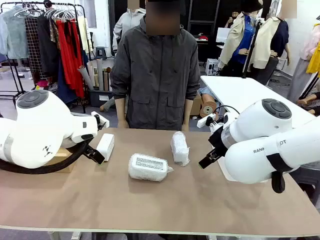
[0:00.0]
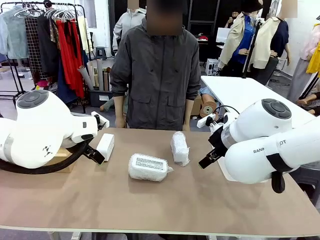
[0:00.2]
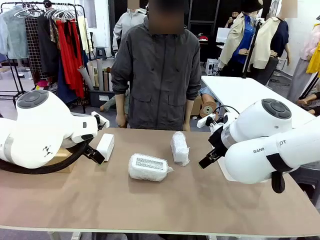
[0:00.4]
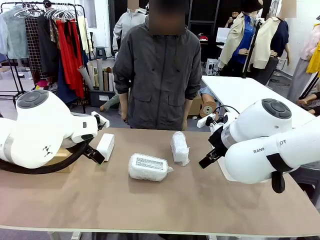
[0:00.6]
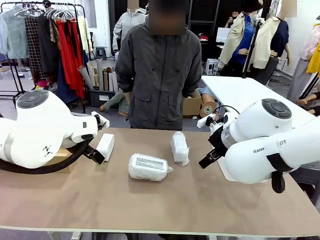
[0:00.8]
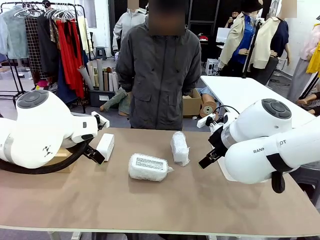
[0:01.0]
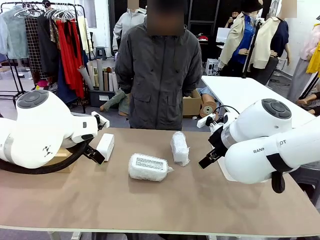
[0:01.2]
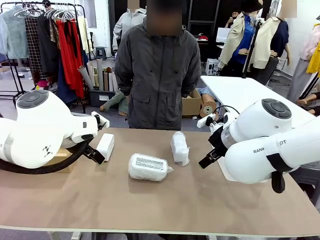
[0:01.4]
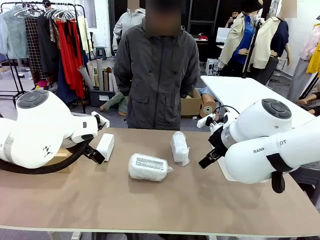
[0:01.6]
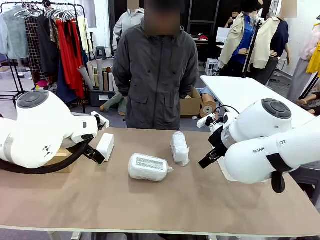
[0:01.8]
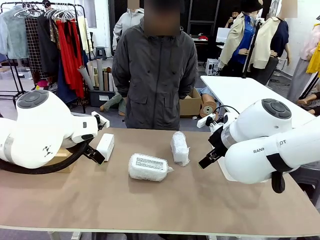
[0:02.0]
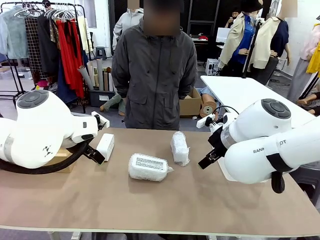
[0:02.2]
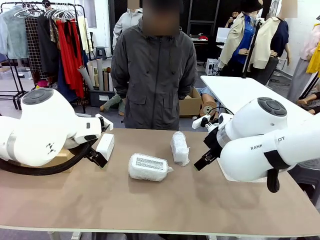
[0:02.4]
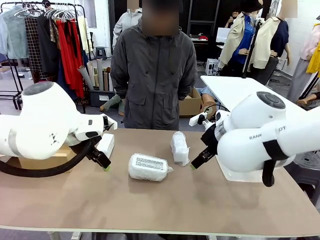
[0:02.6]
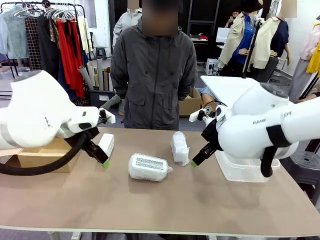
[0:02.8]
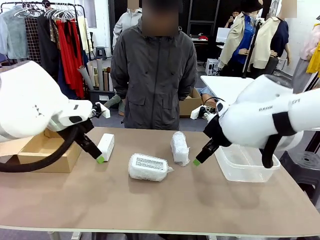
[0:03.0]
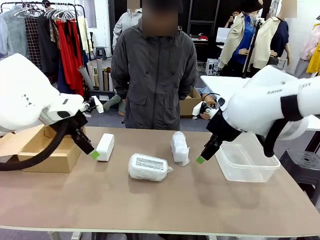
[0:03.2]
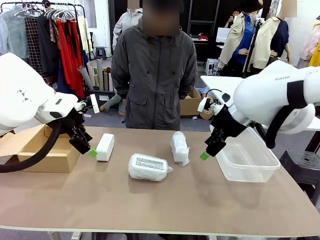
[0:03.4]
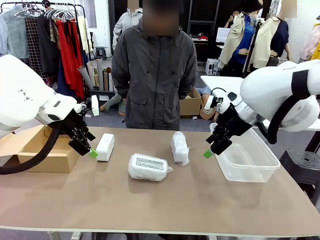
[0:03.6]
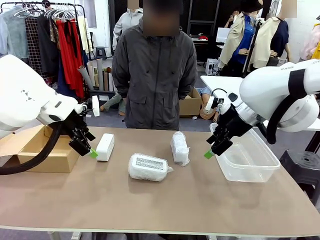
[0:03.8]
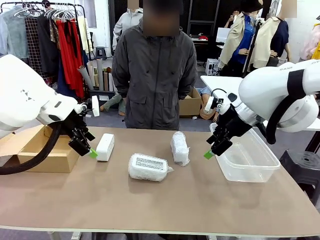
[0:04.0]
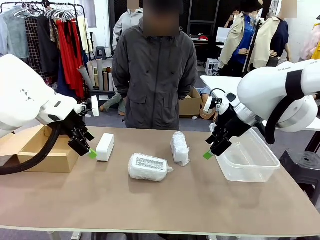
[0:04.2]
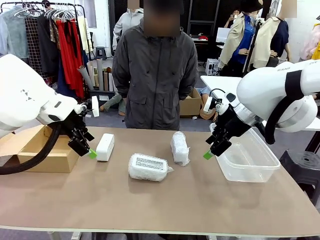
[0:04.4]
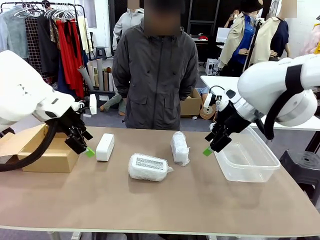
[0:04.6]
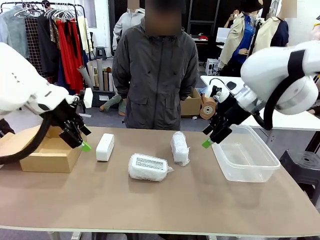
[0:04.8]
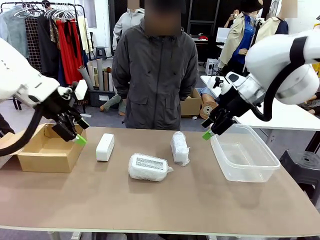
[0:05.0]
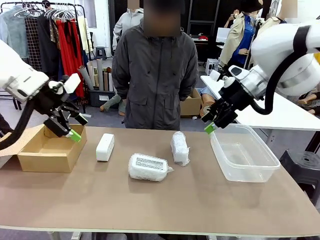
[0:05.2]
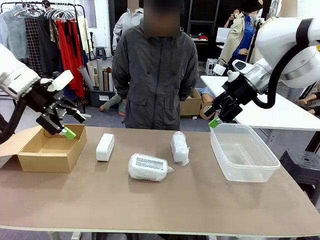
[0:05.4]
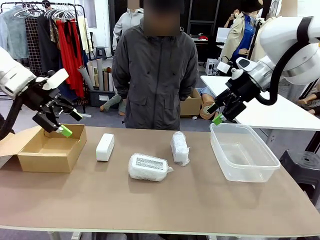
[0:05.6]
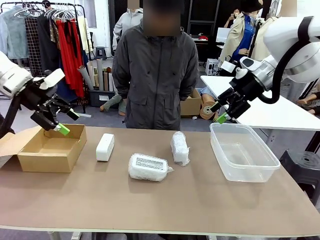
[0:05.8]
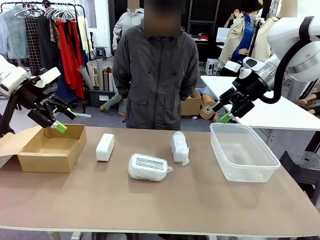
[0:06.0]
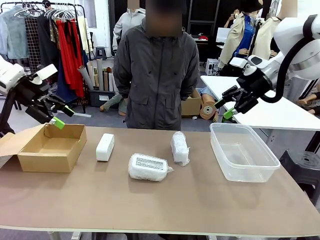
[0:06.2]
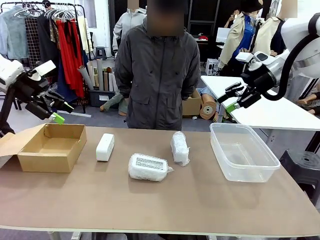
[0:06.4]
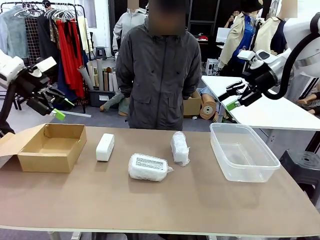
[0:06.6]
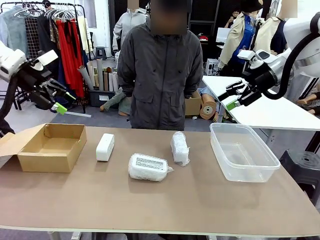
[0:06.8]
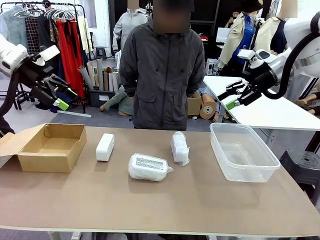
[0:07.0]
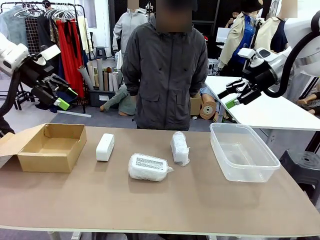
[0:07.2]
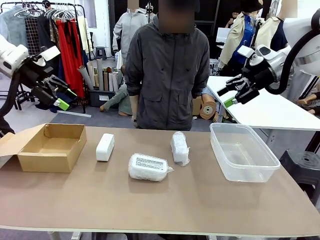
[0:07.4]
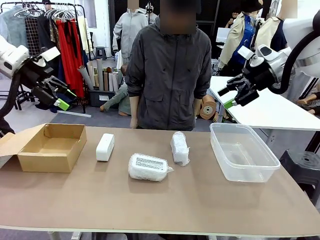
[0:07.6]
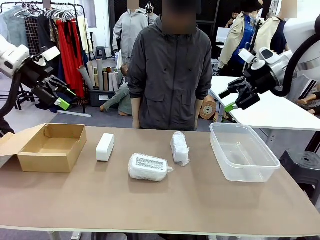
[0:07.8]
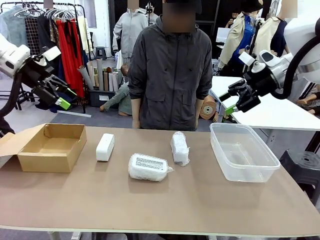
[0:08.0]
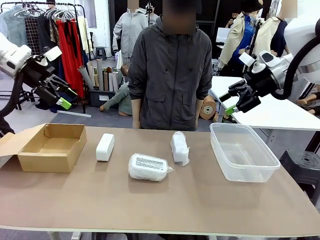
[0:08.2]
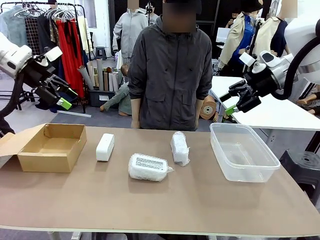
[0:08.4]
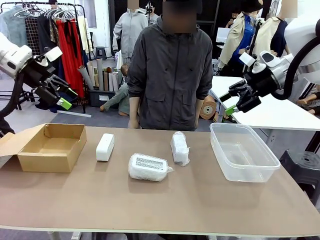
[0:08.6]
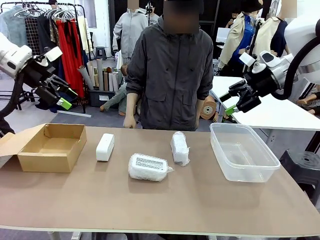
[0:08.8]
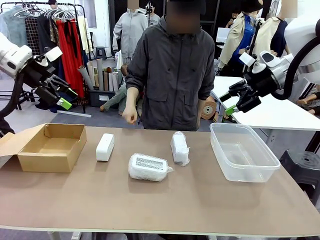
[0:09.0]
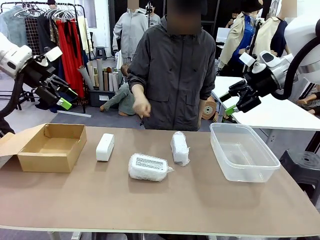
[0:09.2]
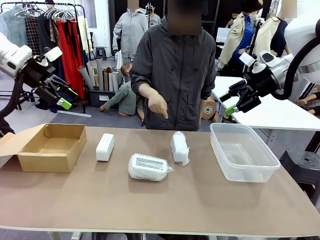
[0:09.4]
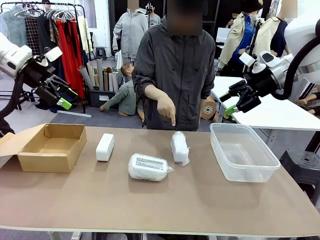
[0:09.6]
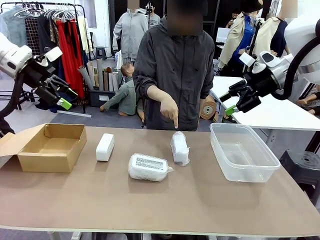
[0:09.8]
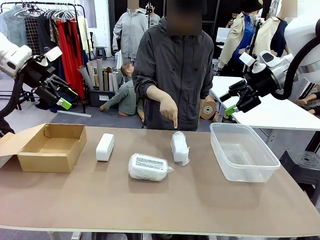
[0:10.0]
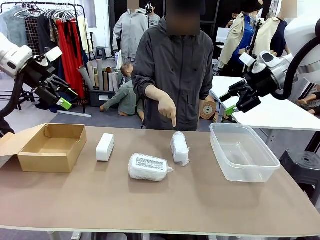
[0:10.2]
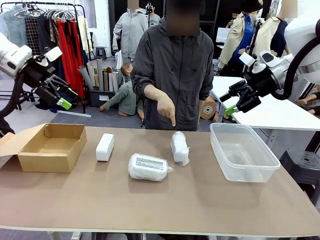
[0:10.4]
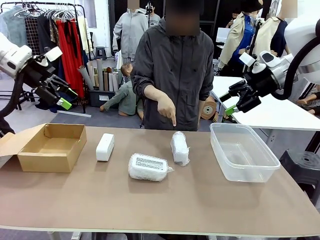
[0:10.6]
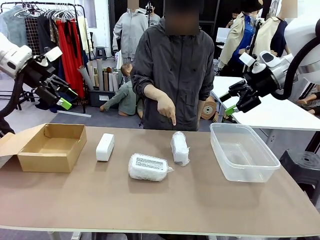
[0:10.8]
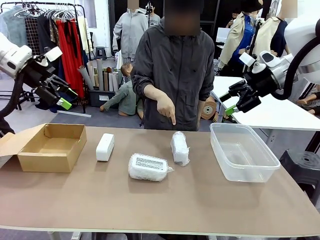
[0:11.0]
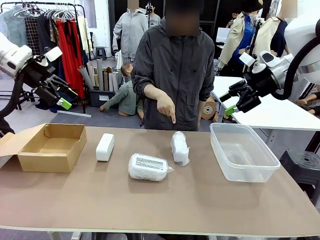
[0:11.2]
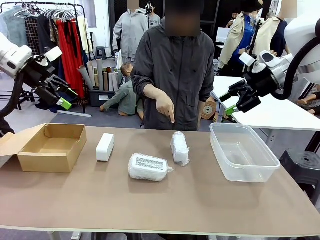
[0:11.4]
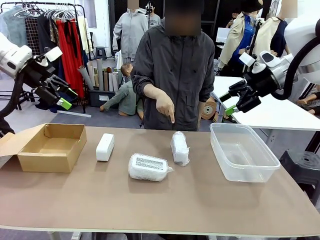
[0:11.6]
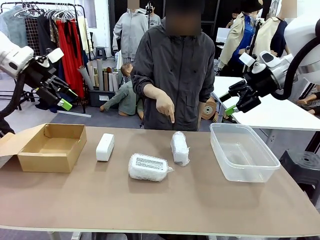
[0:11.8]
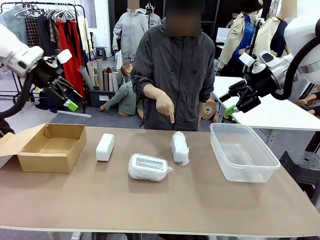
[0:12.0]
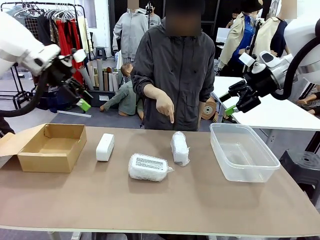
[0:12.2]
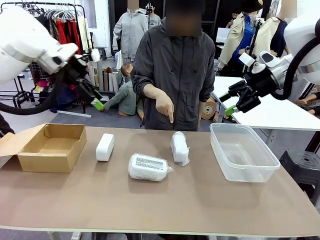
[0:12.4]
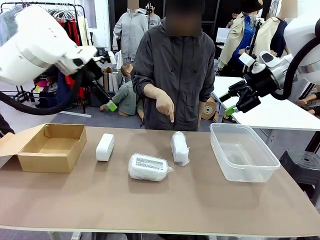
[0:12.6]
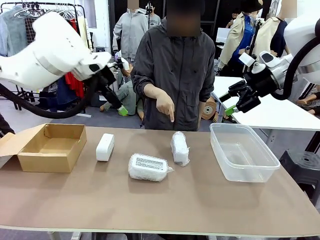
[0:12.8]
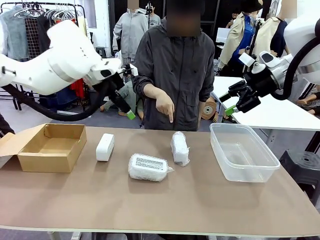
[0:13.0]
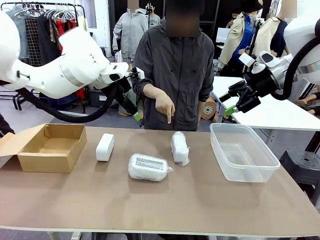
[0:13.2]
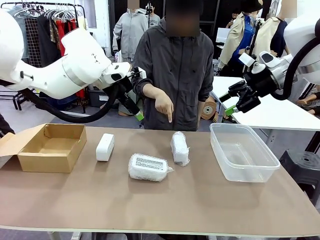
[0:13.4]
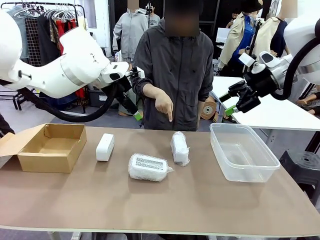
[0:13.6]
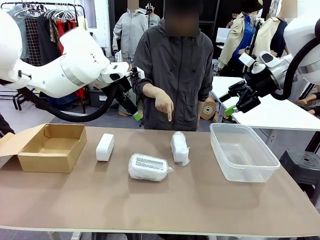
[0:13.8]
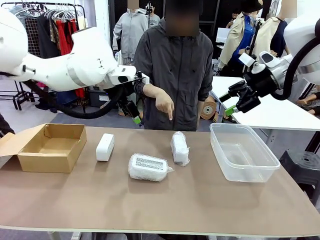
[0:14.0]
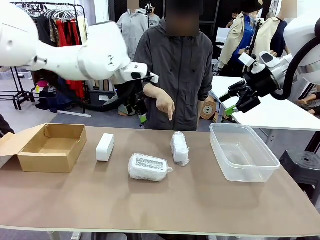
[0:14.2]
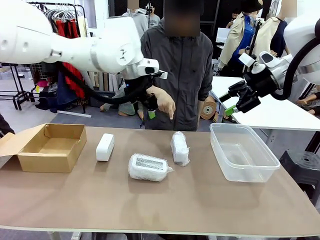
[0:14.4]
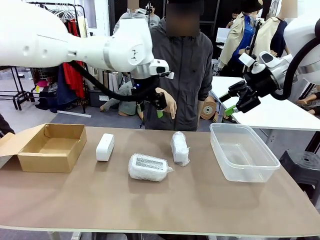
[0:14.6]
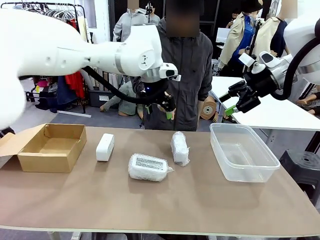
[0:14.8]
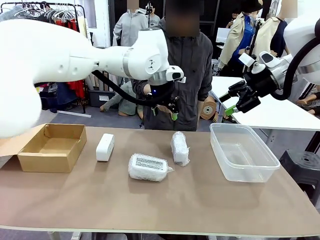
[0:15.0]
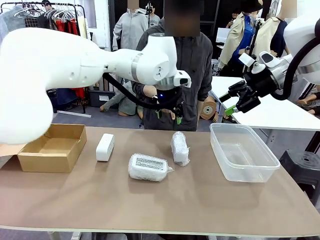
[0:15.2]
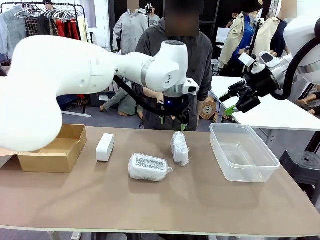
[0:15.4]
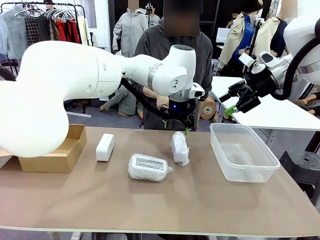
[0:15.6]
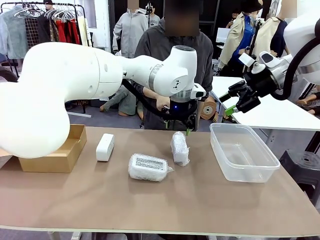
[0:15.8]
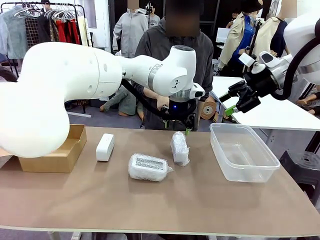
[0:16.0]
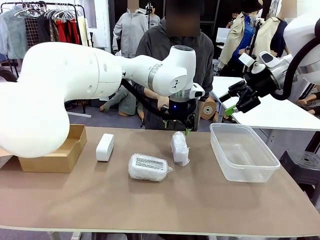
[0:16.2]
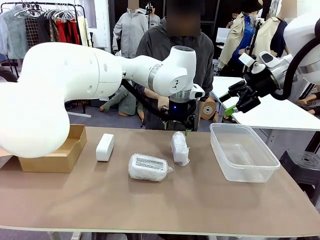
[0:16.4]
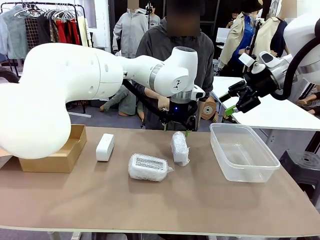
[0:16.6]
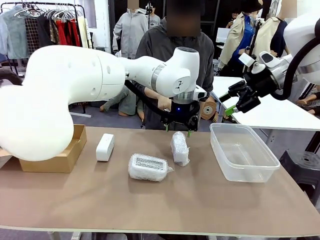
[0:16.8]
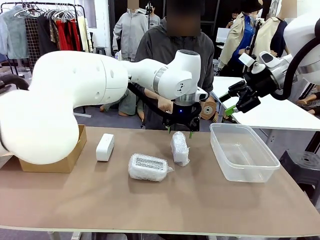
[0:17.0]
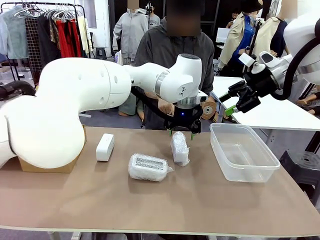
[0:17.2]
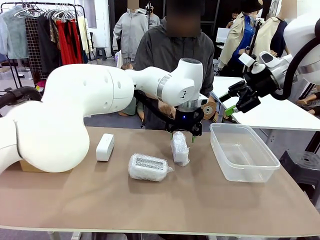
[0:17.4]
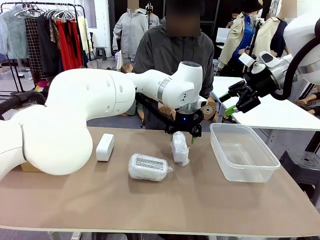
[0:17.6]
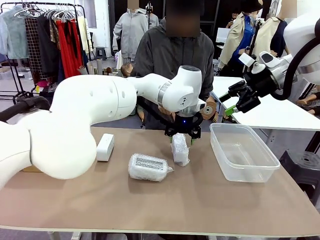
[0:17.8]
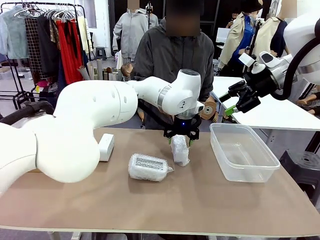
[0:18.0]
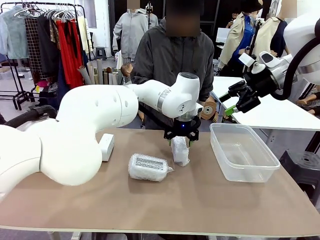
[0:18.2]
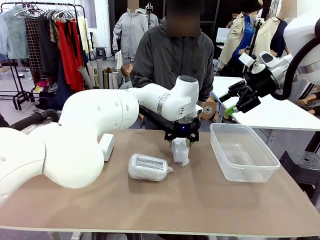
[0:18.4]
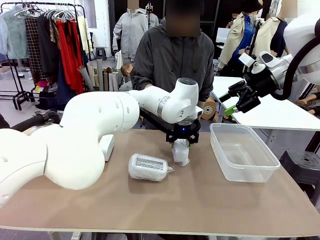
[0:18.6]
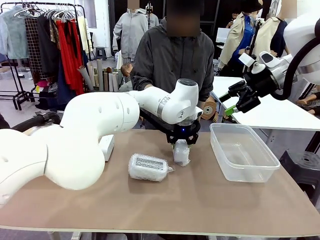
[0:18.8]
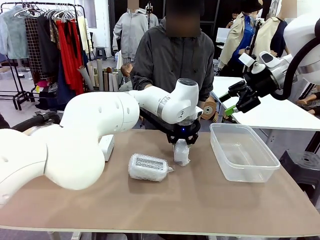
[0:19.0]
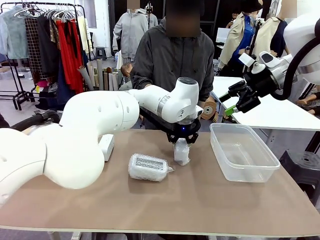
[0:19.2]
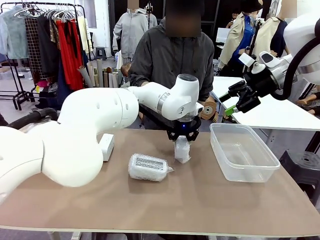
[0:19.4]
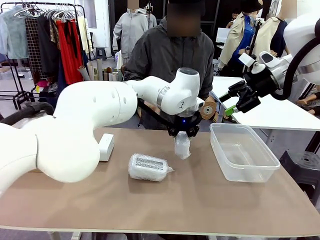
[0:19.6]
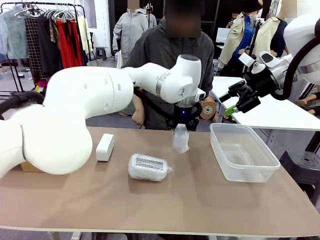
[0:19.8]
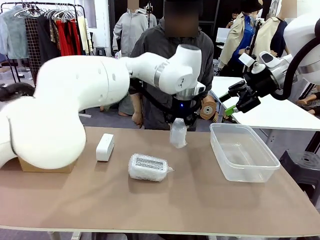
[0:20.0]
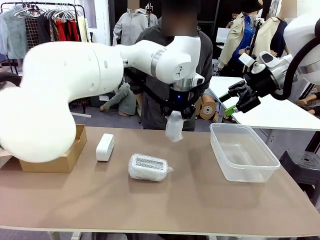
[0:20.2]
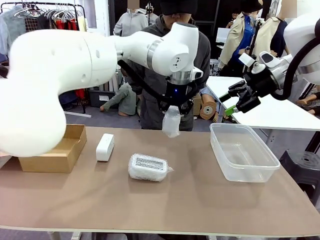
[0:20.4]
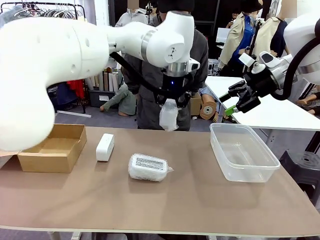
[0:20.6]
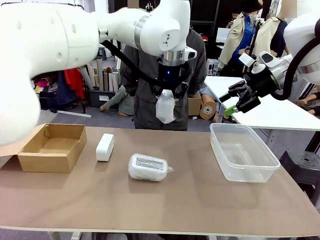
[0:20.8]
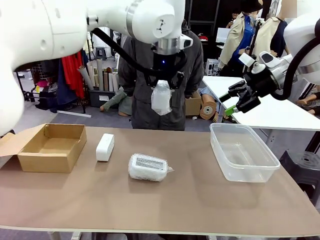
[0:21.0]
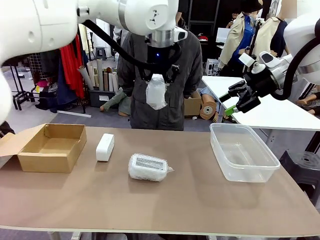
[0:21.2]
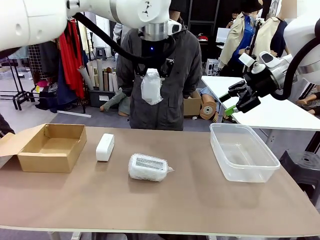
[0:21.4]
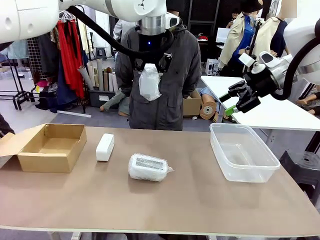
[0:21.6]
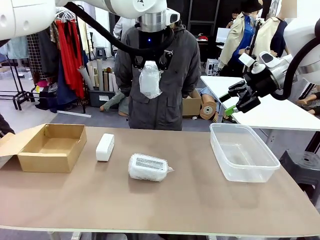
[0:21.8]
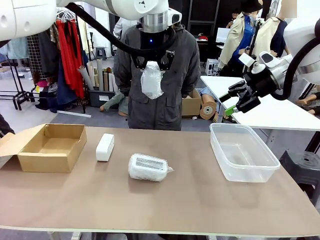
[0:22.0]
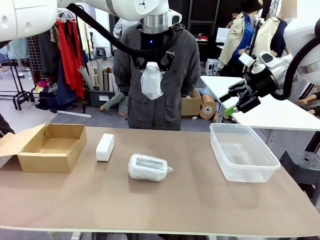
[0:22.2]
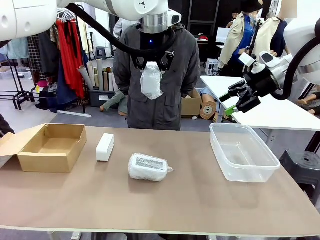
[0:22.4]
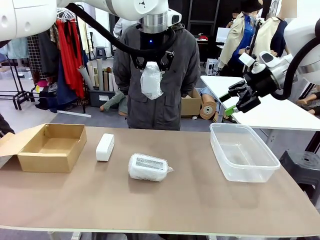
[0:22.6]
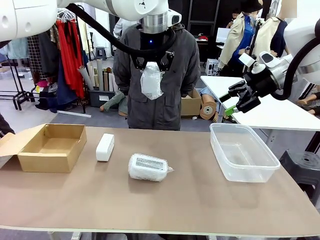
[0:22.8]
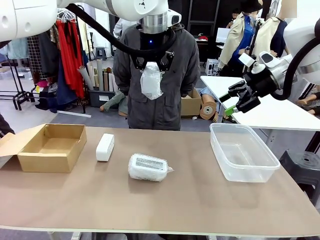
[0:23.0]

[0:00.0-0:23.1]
Task: Separate and place wrapped and unwrapped clocks.
Robot: Pick up the Digital clock indicated by the person.
